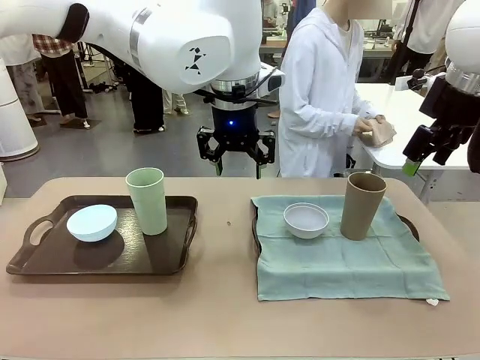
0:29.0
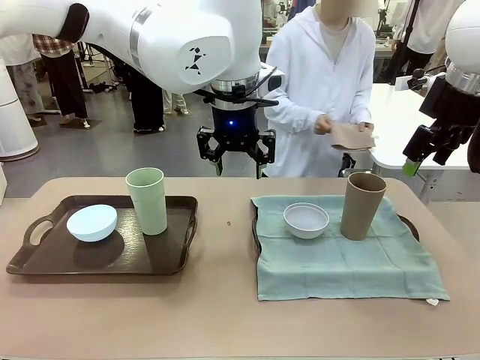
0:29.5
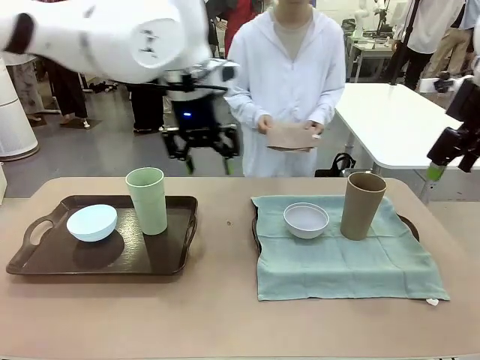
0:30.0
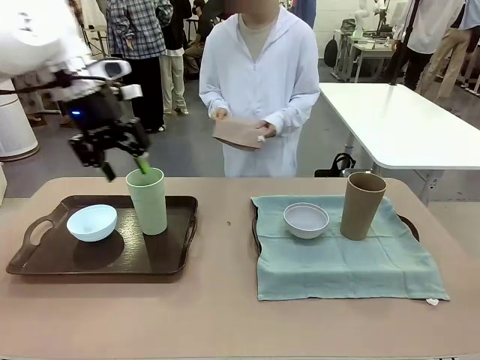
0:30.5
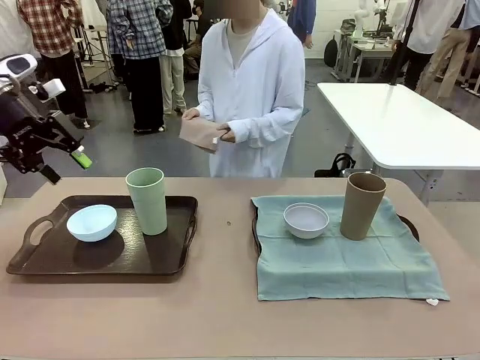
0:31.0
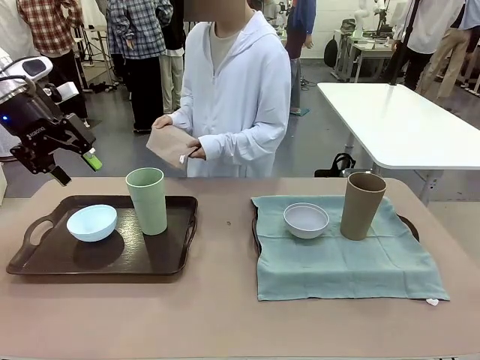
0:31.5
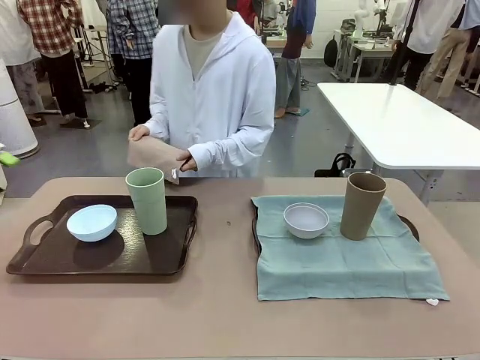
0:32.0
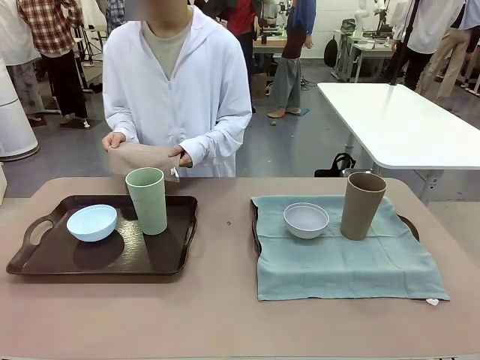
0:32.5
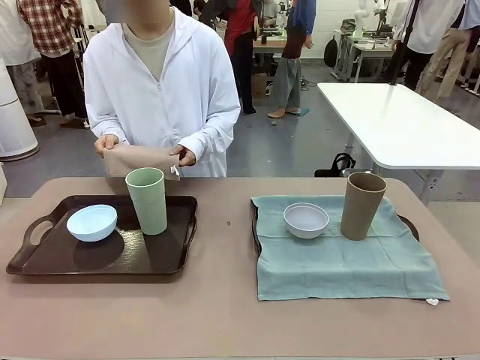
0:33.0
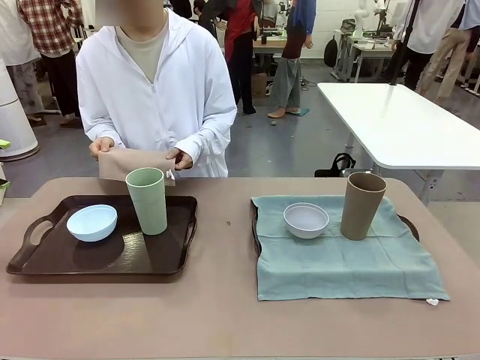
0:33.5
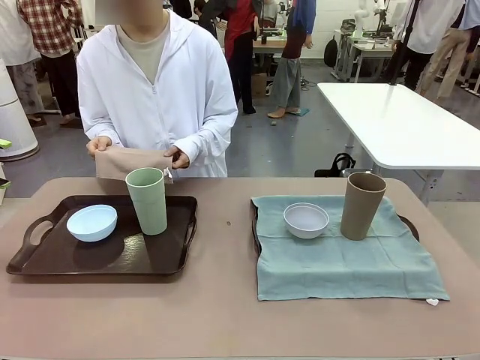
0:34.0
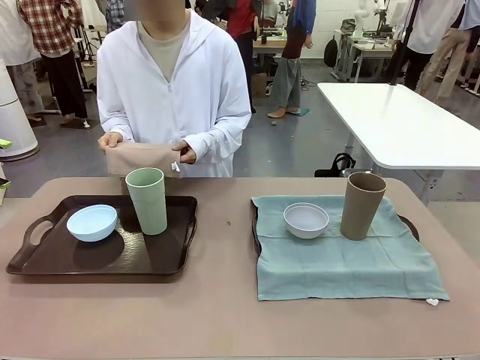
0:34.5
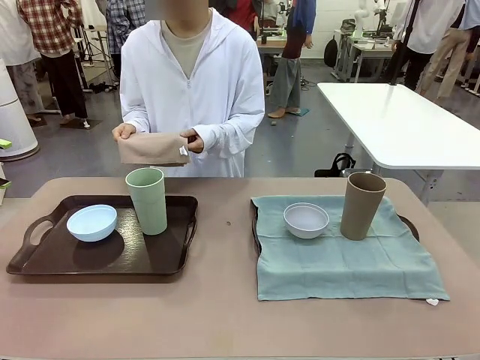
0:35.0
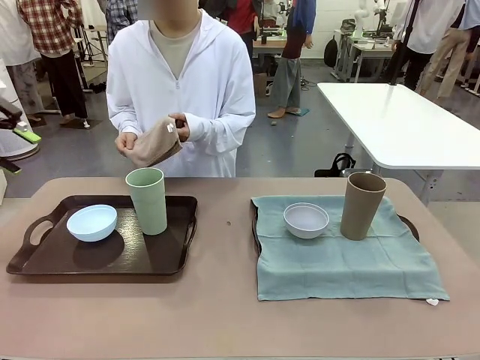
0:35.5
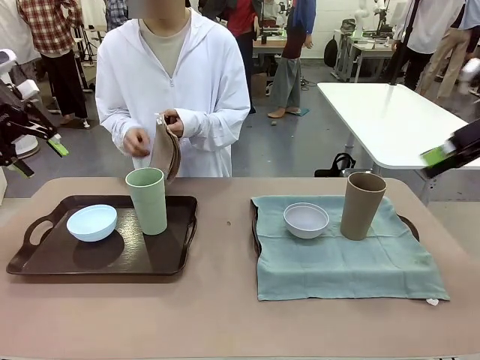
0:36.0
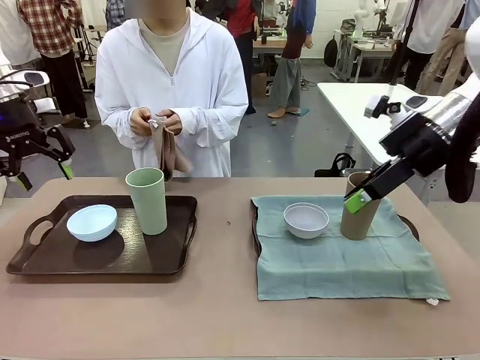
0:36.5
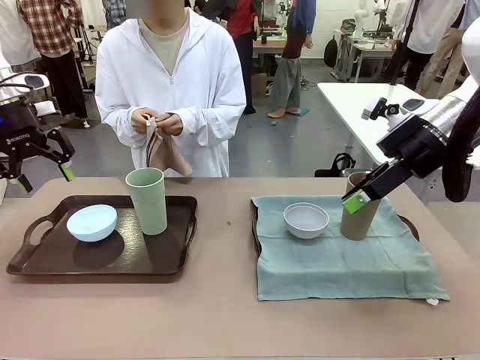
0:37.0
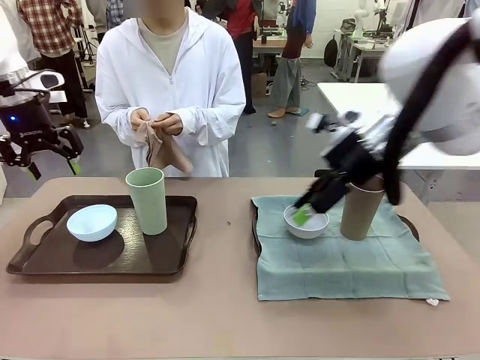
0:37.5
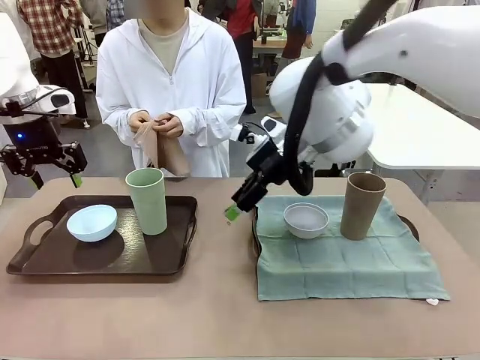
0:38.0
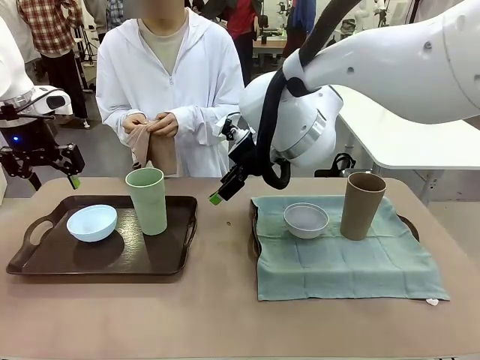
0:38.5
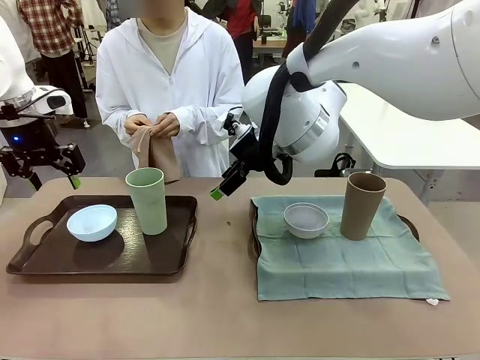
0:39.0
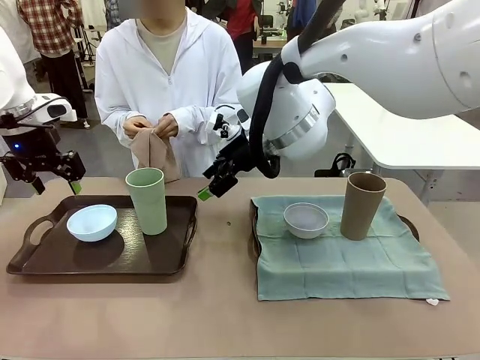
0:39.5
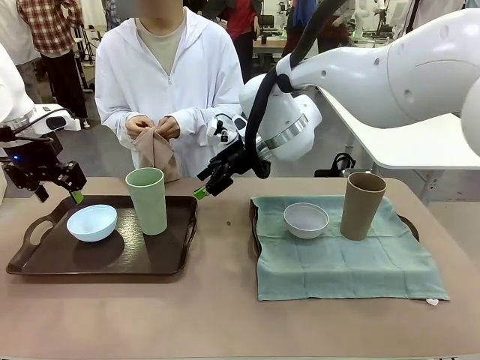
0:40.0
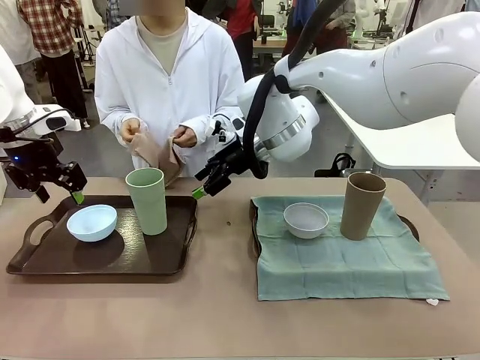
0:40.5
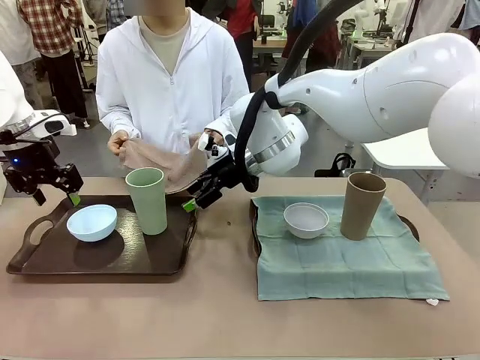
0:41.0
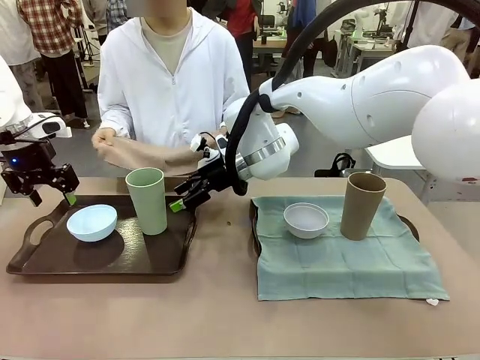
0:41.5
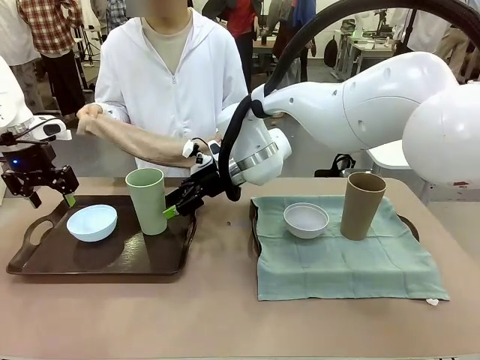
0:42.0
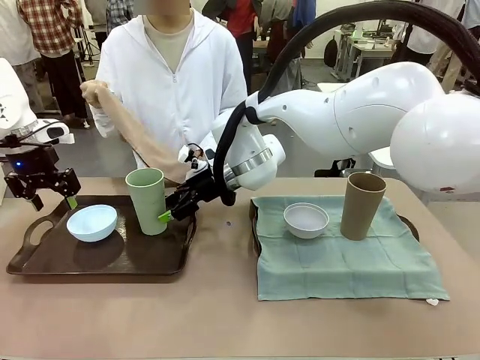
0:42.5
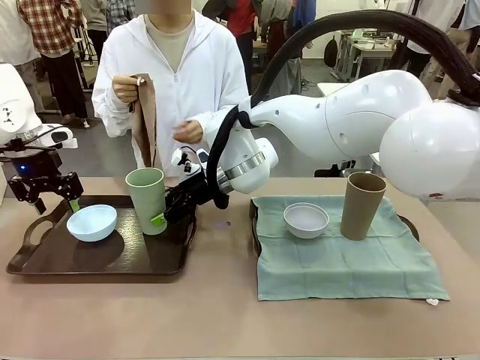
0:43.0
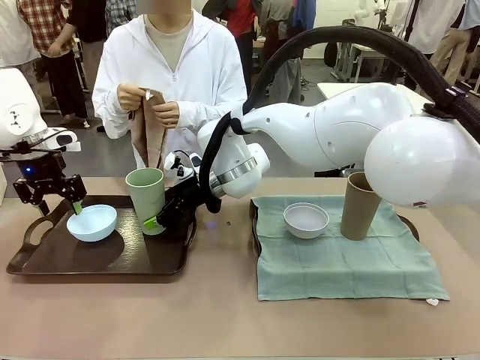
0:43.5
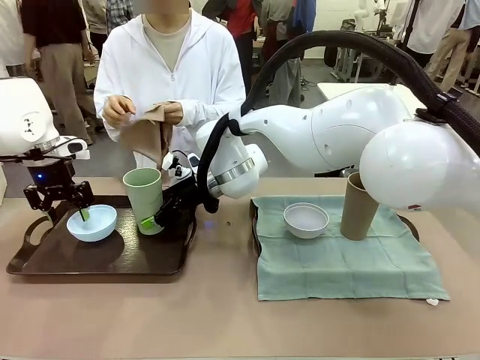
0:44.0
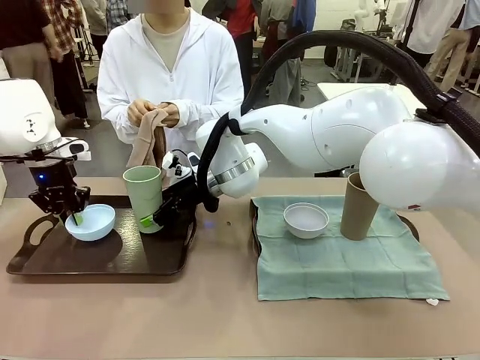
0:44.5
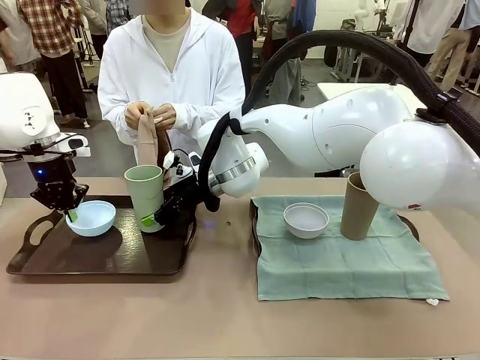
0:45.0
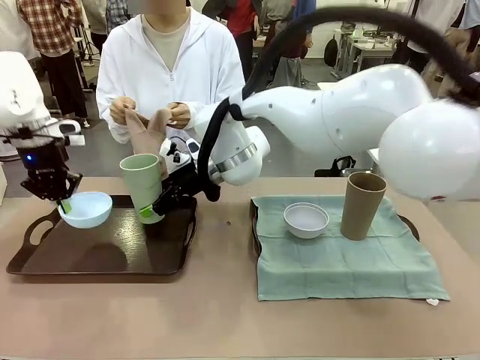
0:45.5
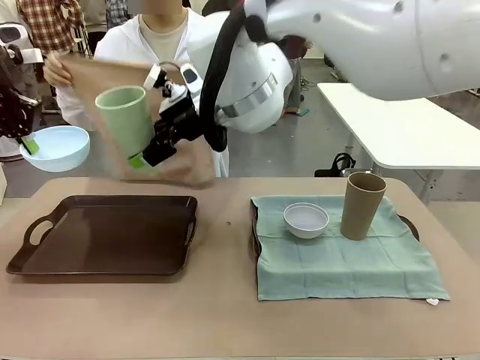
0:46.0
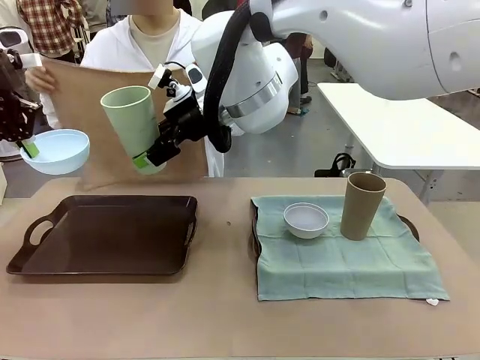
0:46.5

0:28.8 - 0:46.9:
Robot: Pick up the Picnic Bowl and Reusable plastic cup from the Handle tray in front of the human's position and hold them in the air.

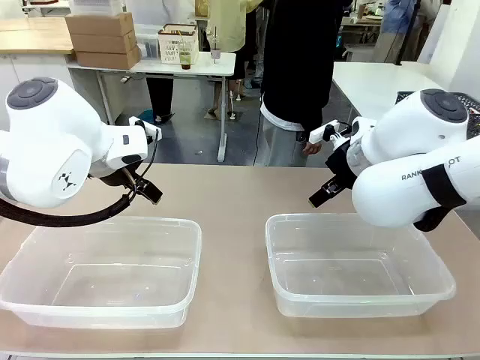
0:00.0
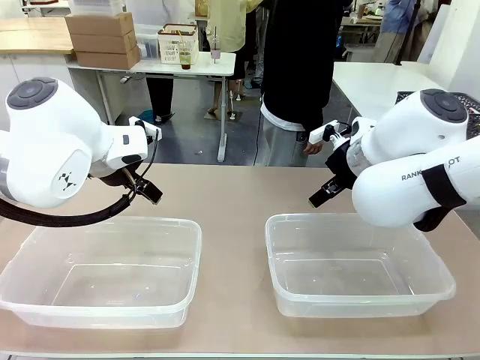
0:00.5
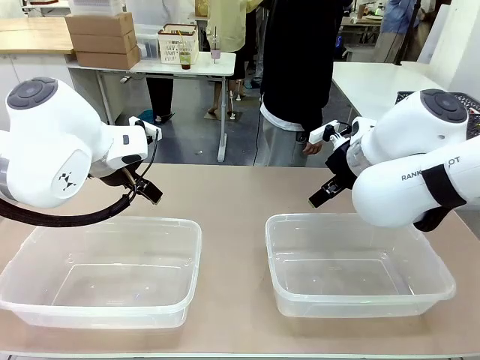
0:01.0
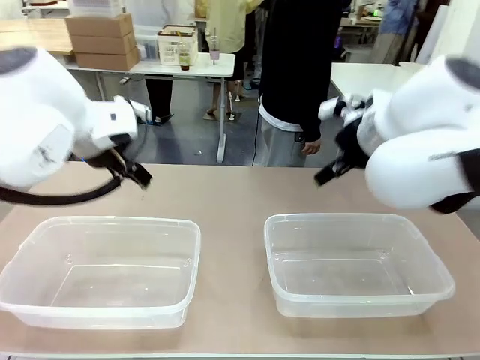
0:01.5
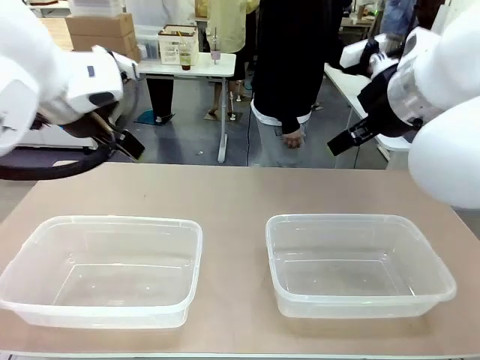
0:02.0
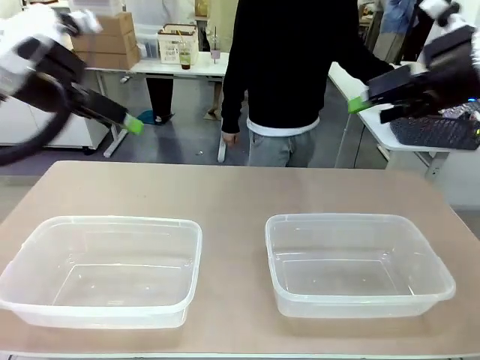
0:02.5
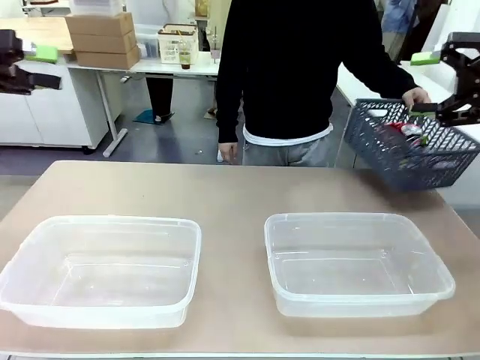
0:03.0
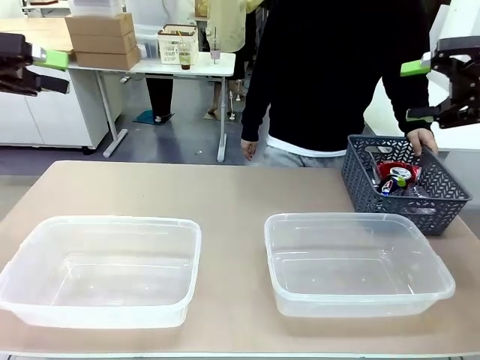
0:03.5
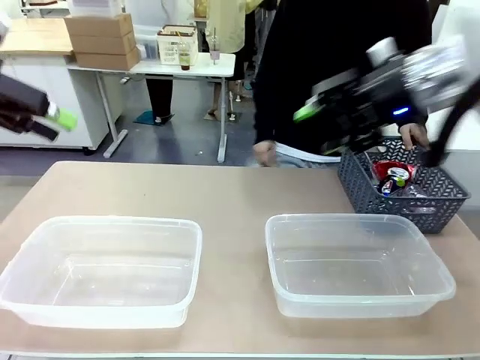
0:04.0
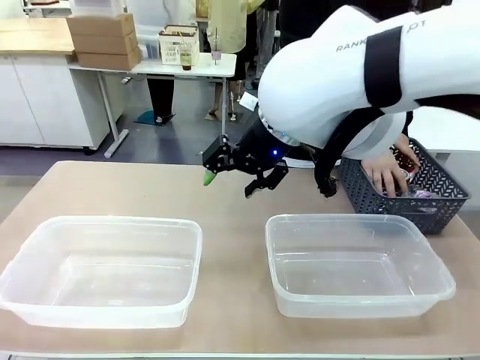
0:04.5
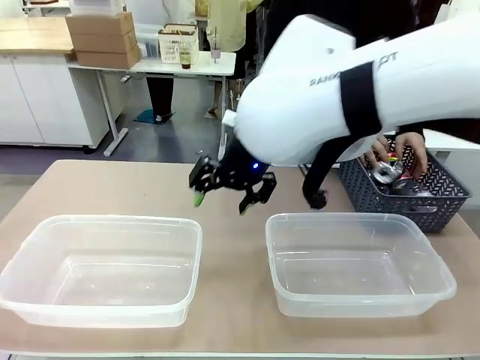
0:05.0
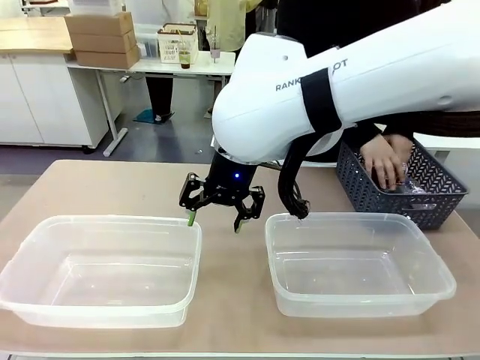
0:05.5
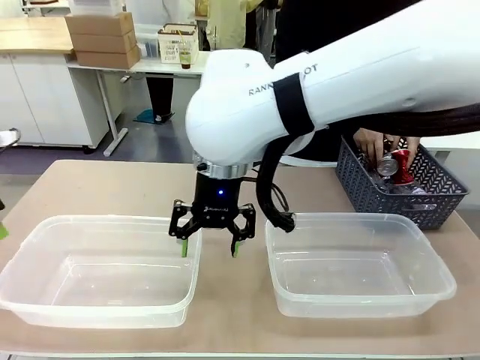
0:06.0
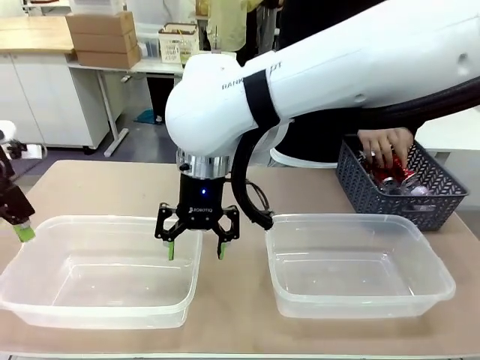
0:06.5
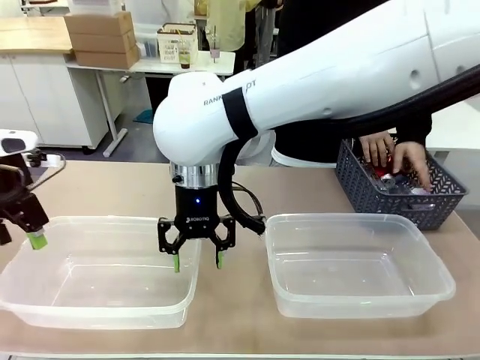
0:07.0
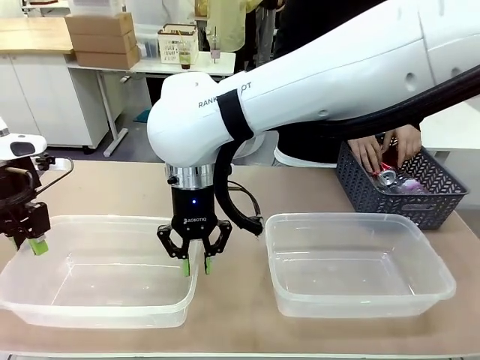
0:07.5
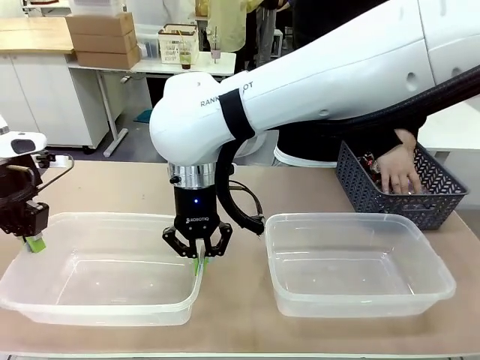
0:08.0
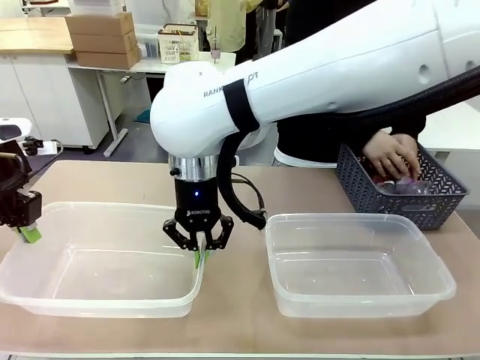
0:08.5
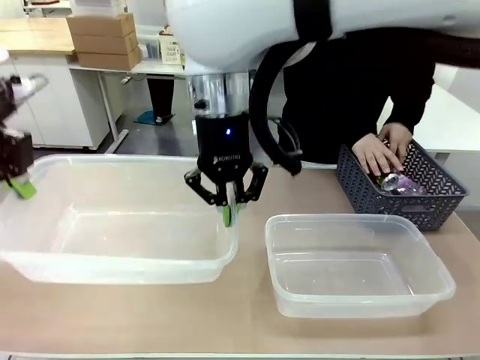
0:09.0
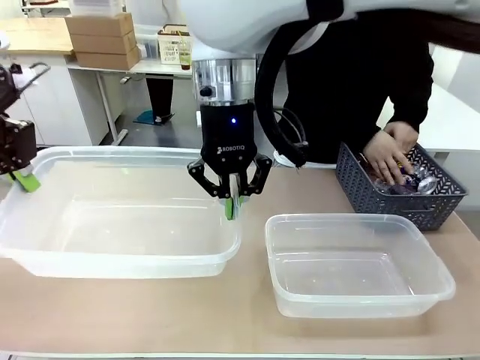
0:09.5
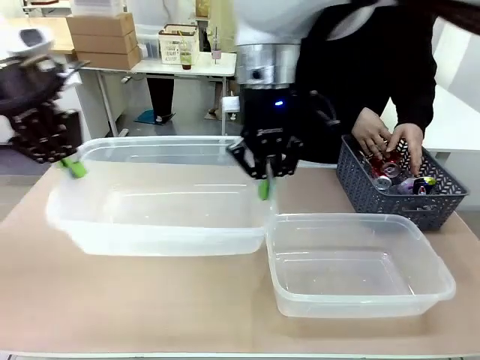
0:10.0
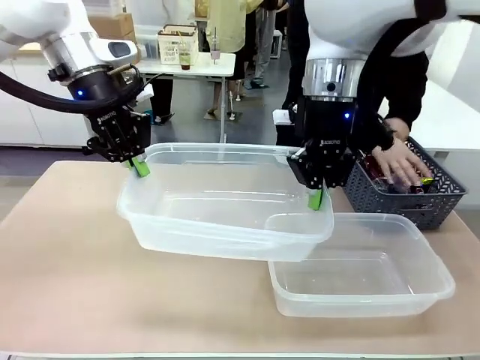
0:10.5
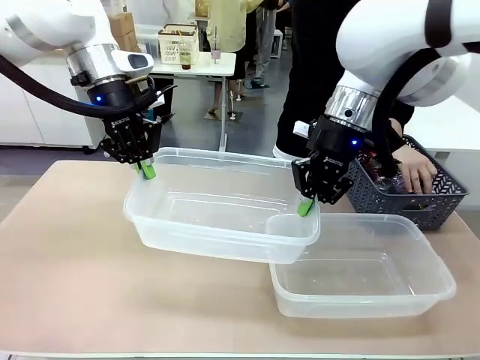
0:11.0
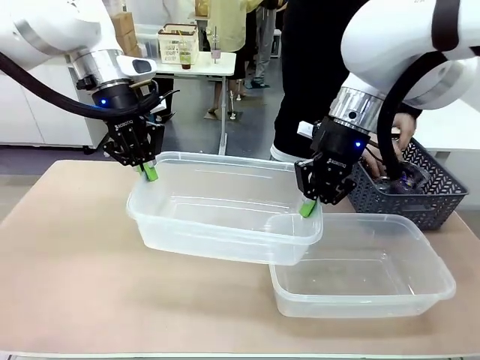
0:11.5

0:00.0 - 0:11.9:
Robot: Pick up the Organizing box on the left side of the table and lift it.
Person: Pick up the storage basket and place it on the left side of the robot table. Pick up can-shaped waste one by one and place it into the organizing box lifted by the robot.
